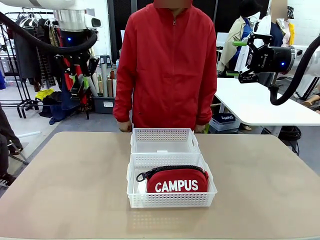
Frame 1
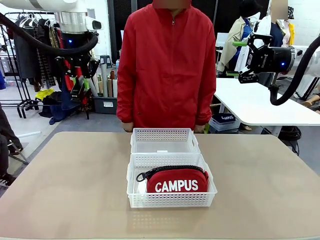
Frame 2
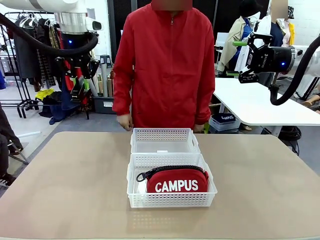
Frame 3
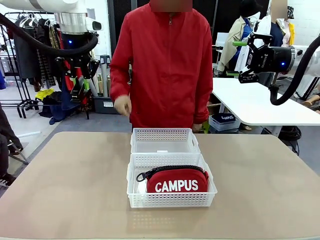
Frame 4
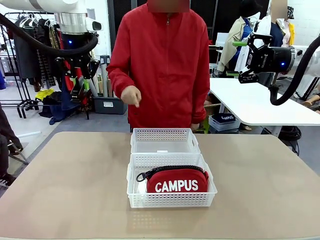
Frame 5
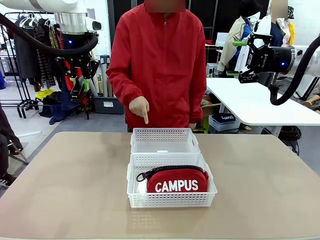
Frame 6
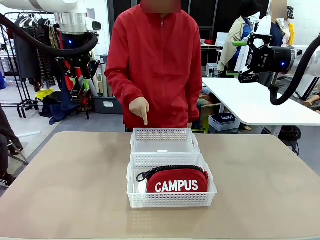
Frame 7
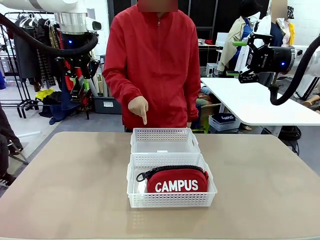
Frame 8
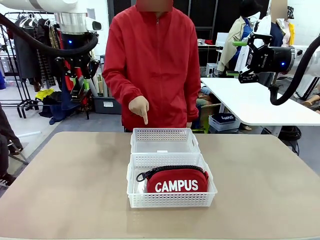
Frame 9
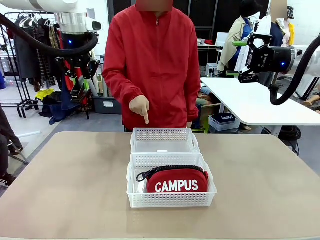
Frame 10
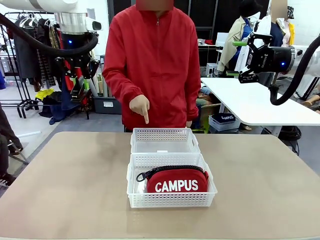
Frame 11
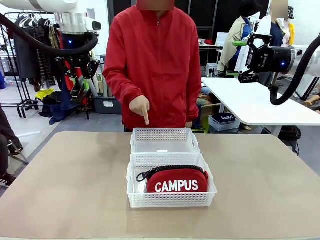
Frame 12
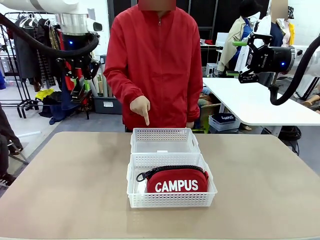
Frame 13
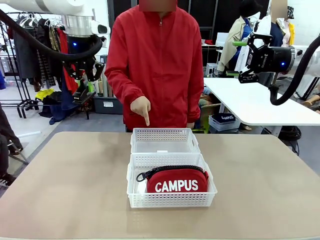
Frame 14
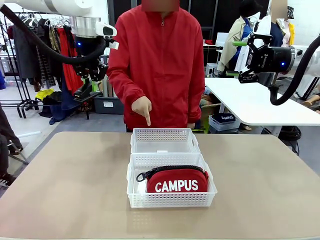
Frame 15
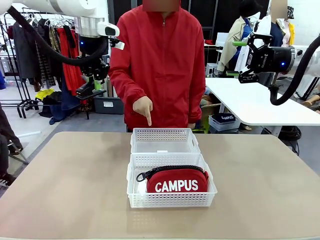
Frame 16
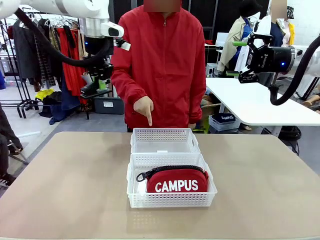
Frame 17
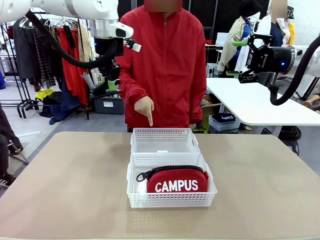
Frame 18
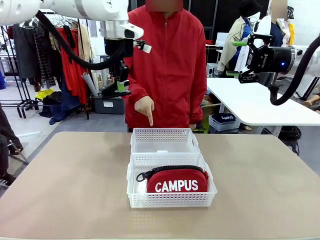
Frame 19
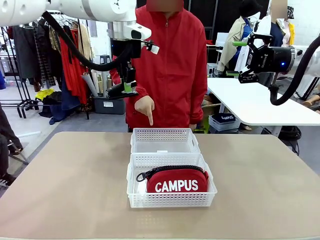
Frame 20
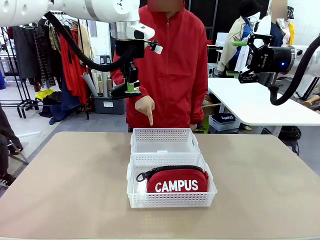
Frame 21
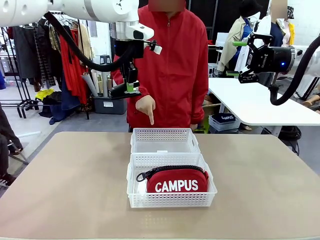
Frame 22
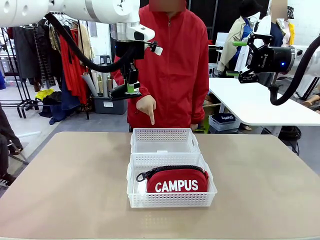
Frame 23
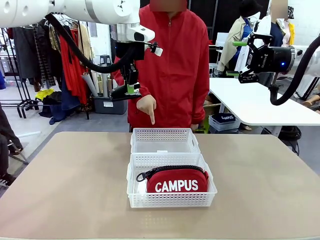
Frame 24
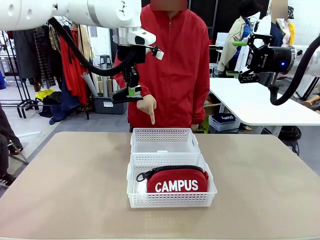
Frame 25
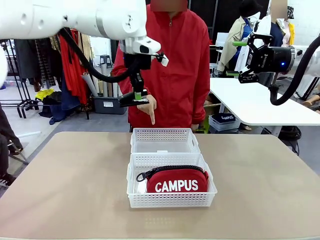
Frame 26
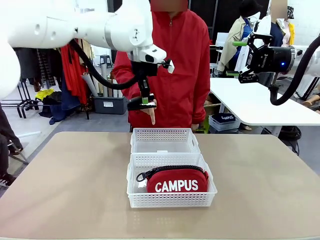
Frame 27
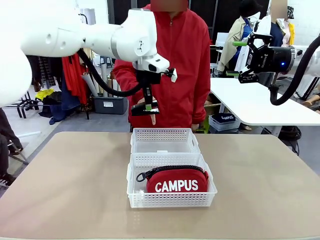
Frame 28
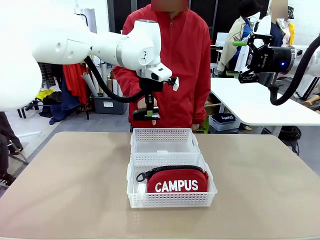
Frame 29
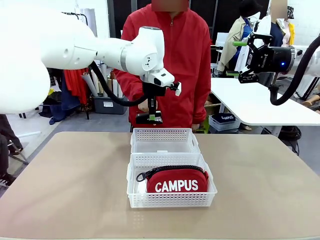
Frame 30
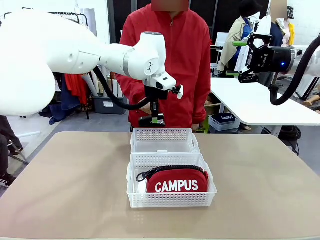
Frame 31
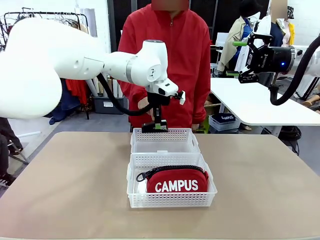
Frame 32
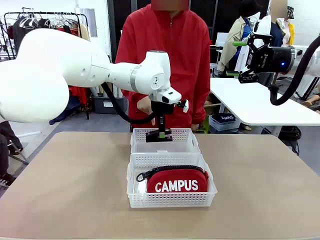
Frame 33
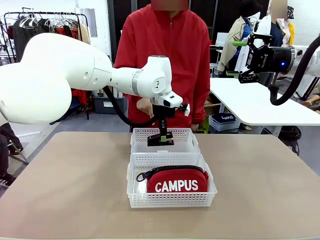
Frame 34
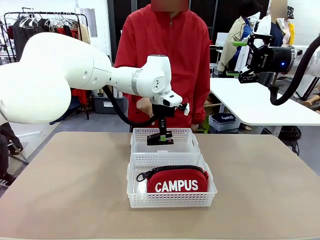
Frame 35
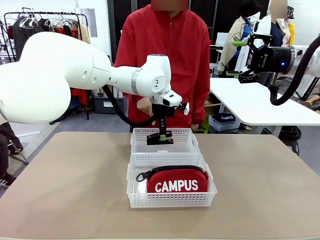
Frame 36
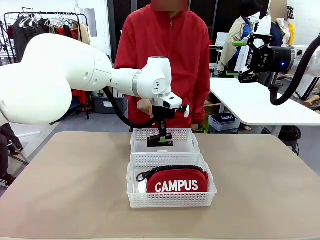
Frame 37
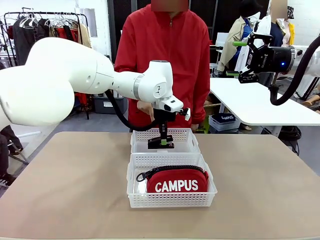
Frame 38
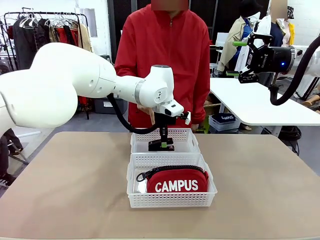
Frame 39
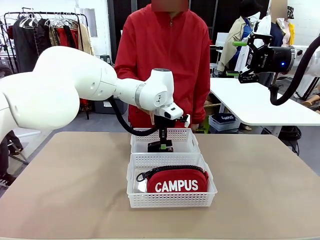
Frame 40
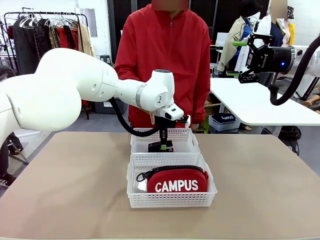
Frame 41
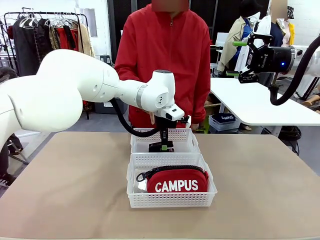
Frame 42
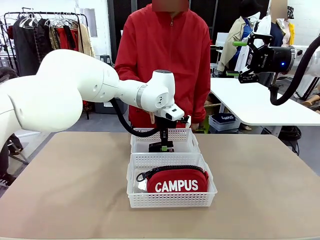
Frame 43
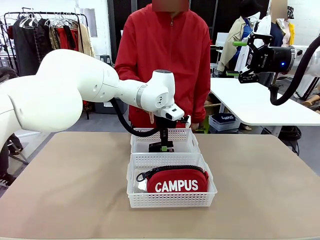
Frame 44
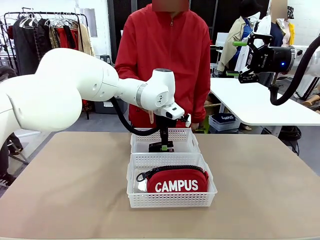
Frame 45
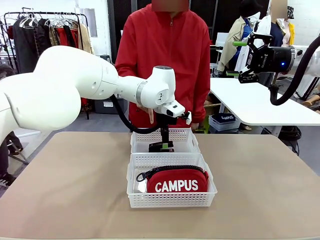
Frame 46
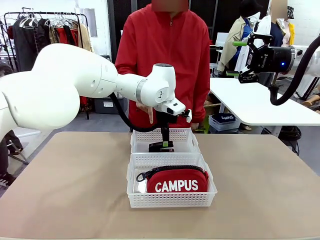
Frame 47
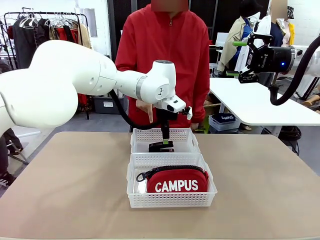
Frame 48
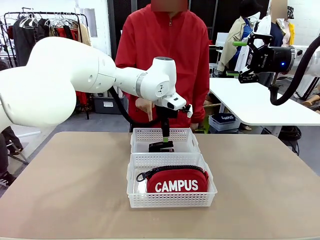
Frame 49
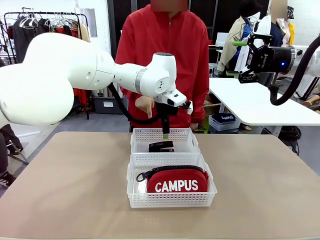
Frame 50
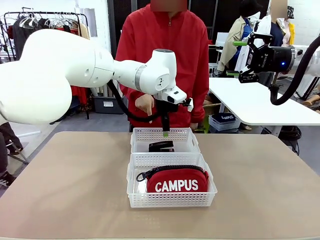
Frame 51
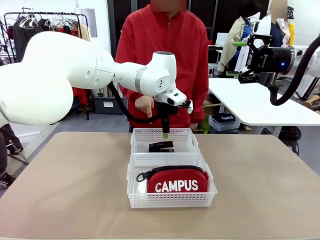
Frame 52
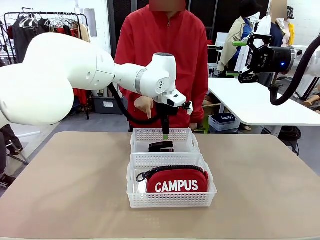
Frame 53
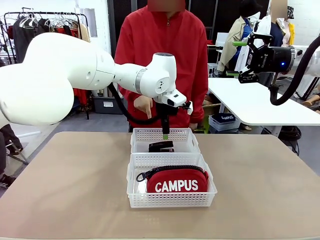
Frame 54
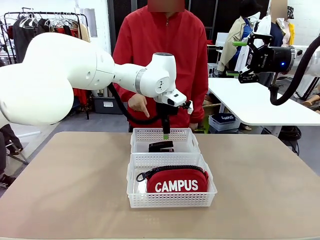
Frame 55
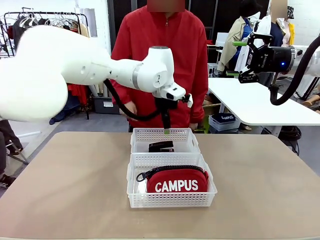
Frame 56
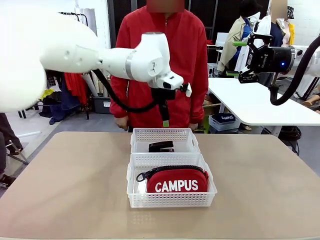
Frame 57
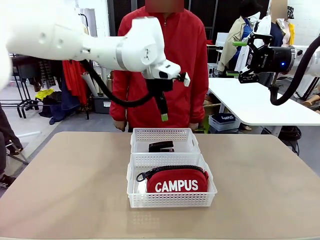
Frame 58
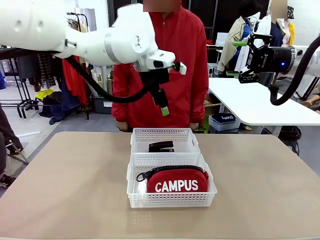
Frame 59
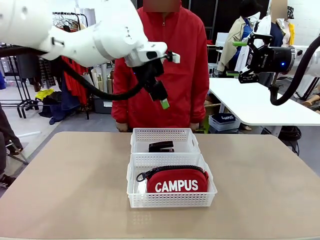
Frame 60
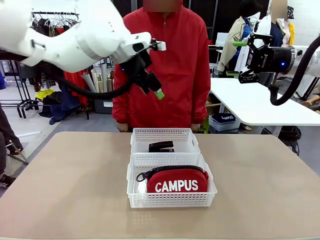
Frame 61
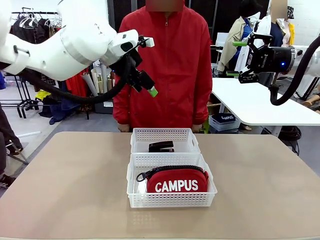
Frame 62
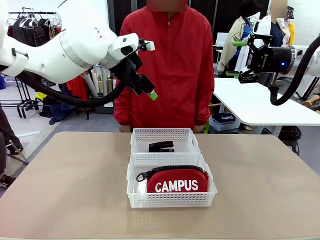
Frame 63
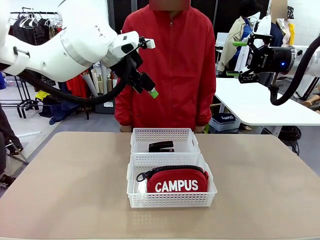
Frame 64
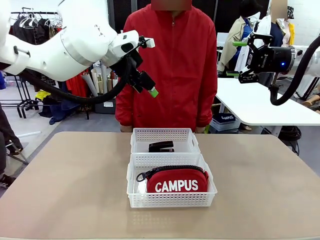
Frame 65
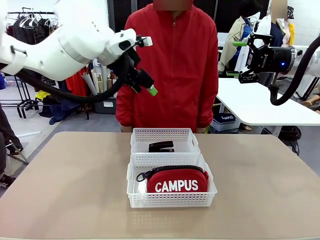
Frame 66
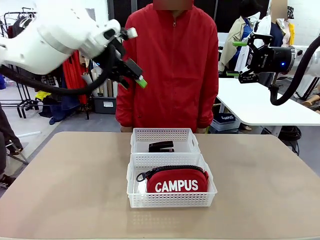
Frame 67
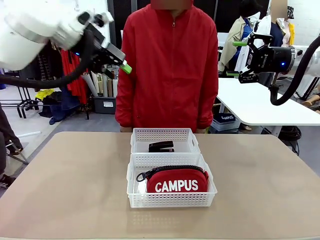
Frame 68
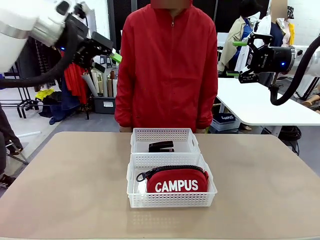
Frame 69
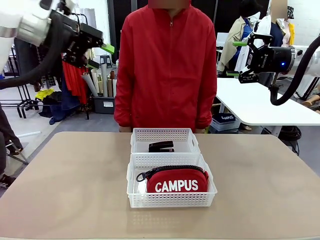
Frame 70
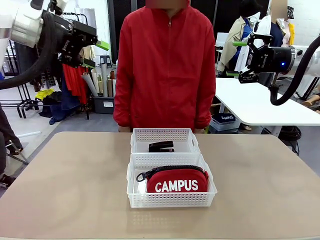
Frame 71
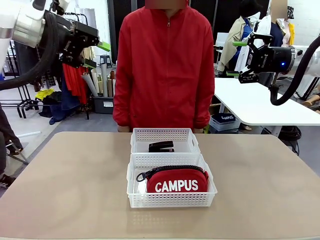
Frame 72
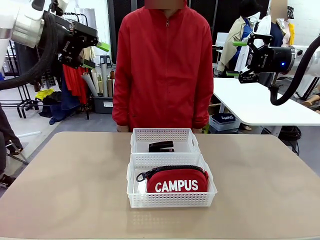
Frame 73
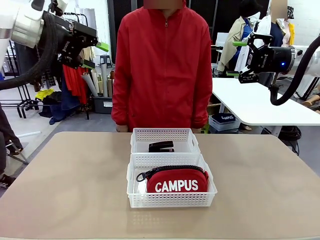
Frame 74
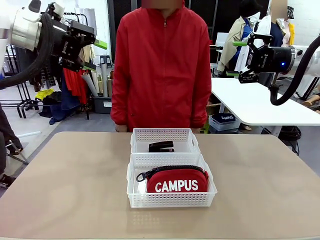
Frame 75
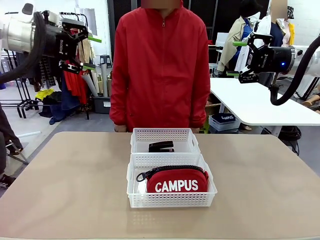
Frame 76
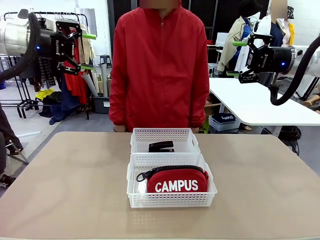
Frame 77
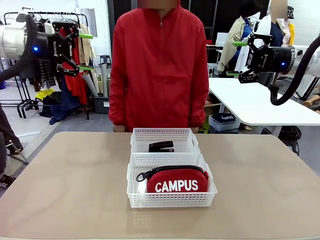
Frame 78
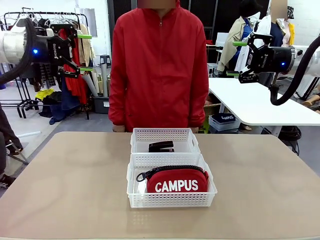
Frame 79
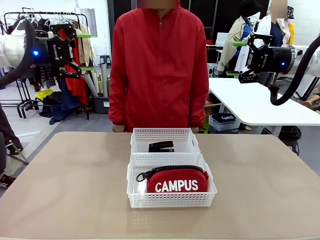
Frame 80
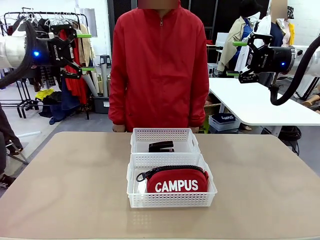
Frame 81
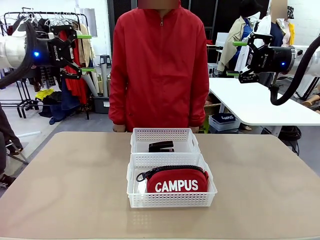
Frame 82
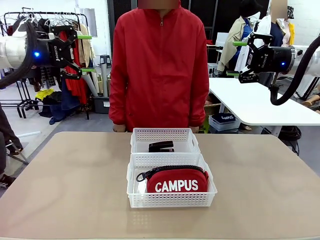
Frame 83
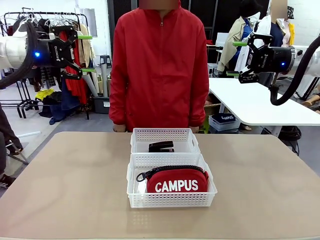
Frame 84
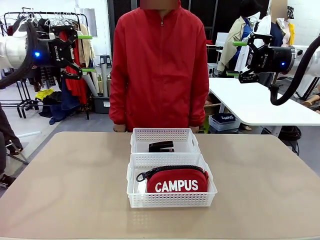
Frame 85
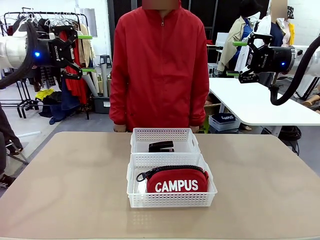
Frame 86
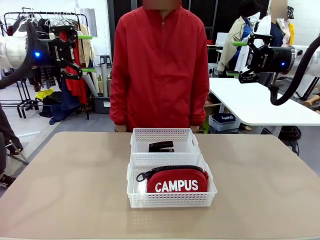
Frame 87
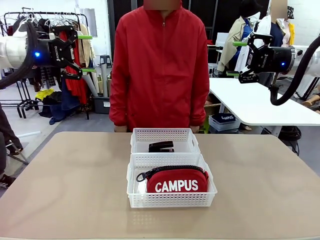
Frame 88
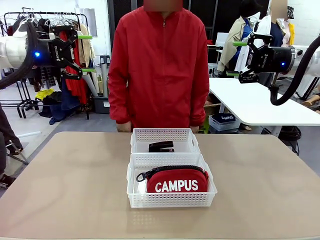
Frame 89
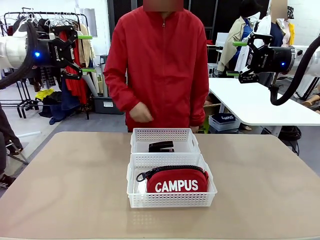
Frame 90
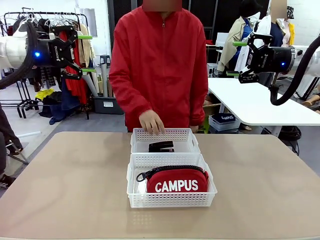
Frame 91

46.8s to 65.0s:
Task: Distribute items into two baskets.
Robot: Place the picked Stapler into the Organizing basket as instructed by the person.
Person: Points to the basket that does not contain the pencil case and instructs the robot to move the stapler there.
